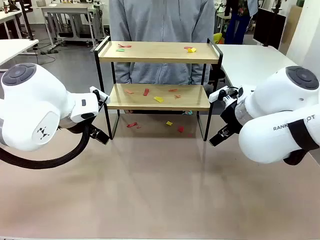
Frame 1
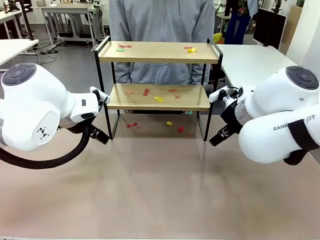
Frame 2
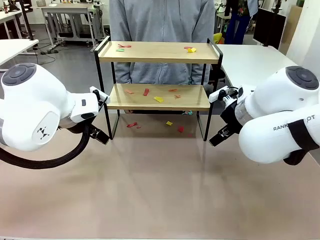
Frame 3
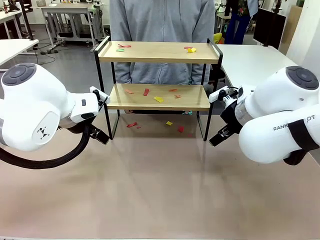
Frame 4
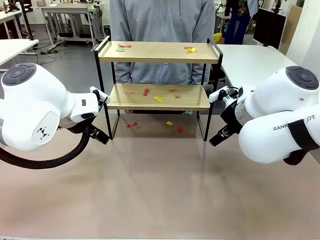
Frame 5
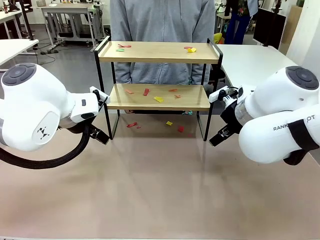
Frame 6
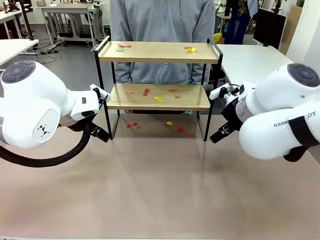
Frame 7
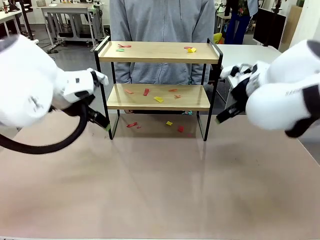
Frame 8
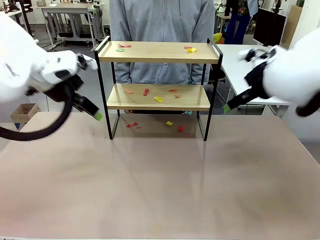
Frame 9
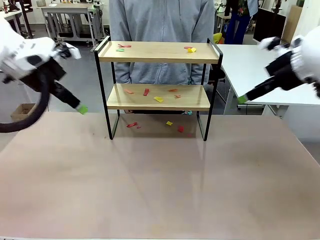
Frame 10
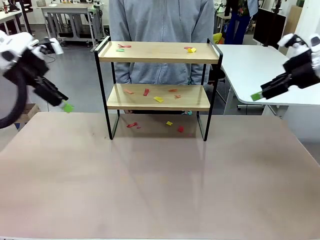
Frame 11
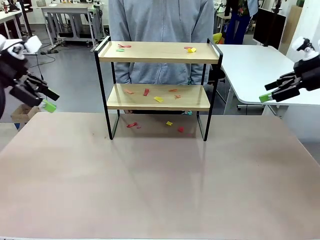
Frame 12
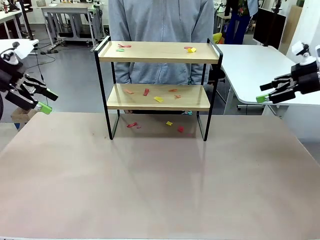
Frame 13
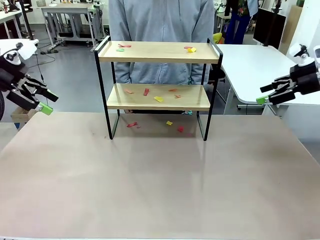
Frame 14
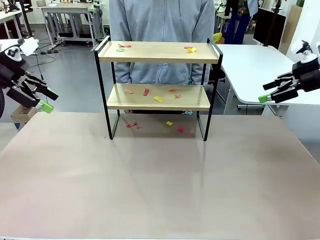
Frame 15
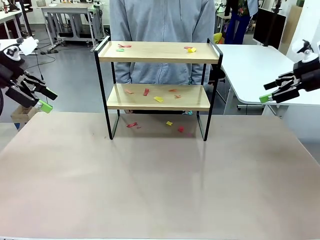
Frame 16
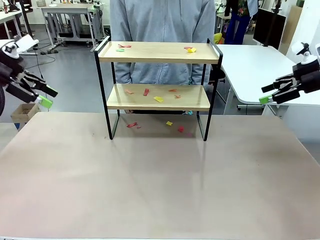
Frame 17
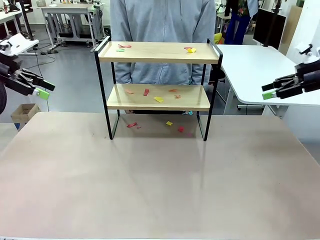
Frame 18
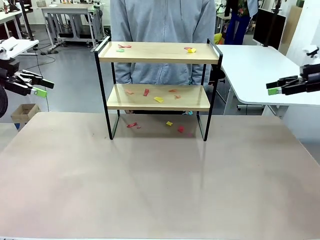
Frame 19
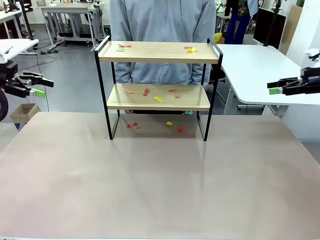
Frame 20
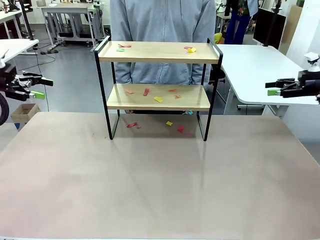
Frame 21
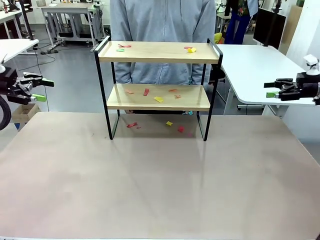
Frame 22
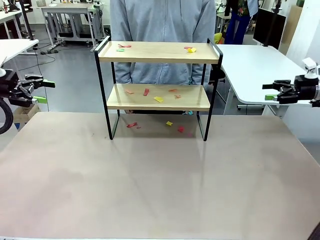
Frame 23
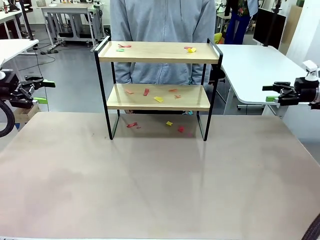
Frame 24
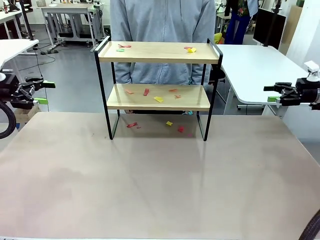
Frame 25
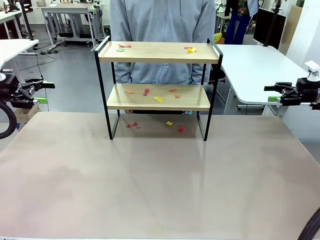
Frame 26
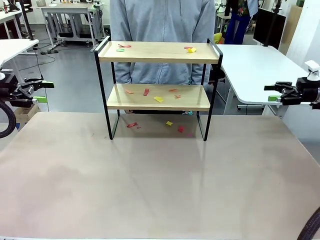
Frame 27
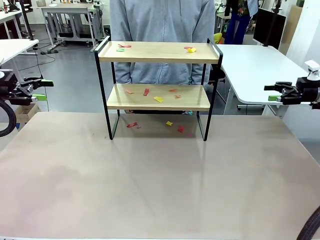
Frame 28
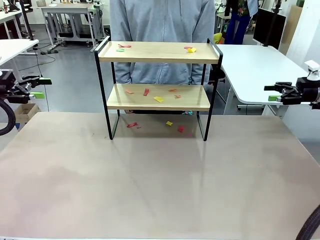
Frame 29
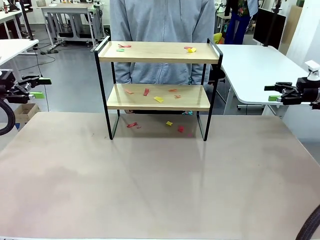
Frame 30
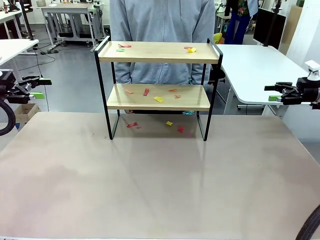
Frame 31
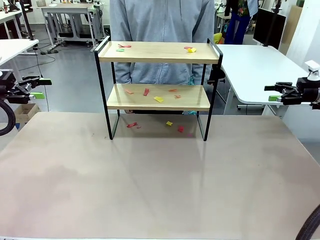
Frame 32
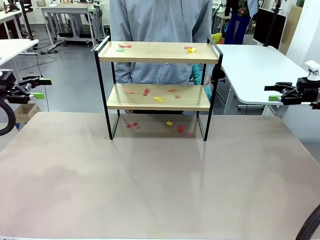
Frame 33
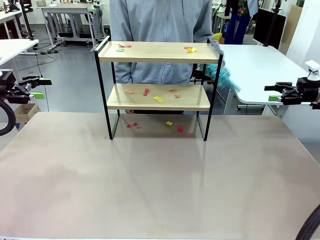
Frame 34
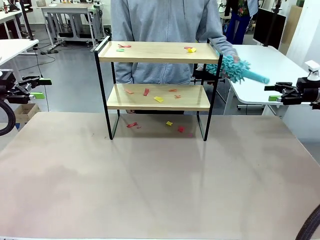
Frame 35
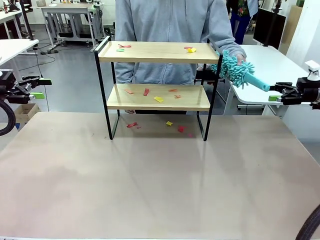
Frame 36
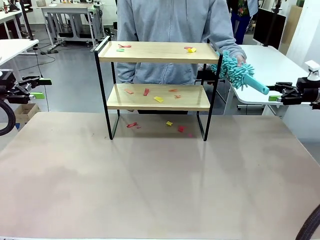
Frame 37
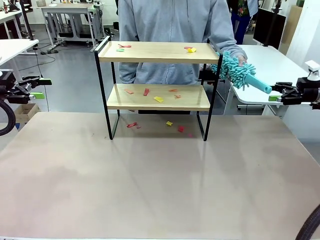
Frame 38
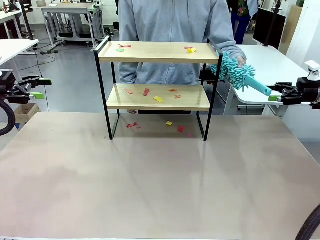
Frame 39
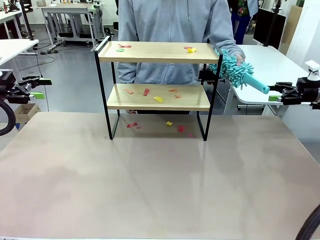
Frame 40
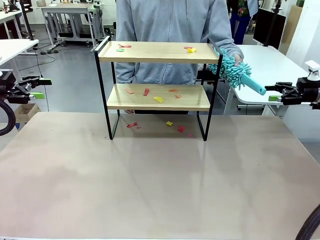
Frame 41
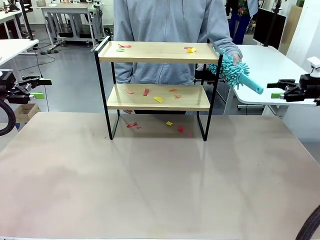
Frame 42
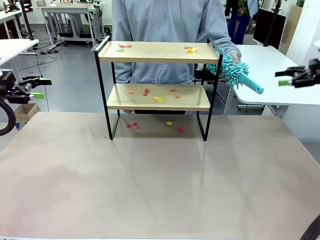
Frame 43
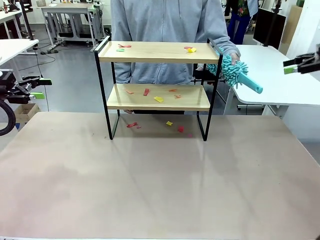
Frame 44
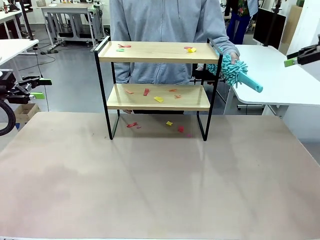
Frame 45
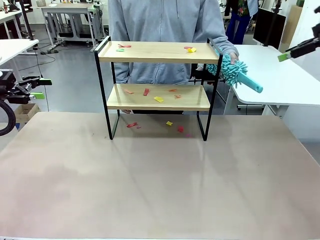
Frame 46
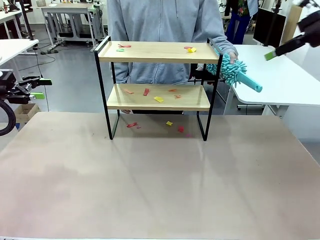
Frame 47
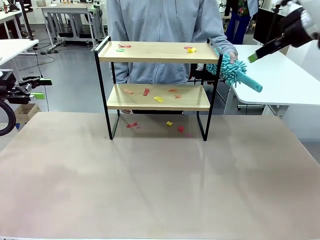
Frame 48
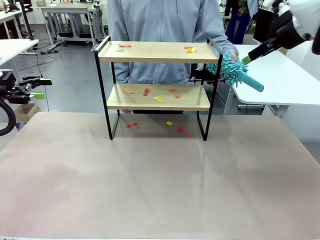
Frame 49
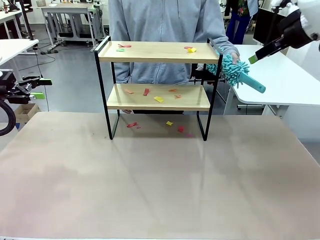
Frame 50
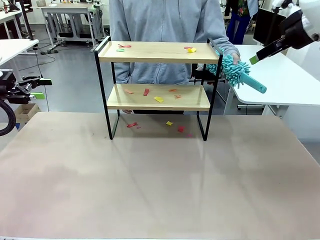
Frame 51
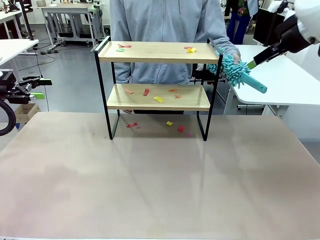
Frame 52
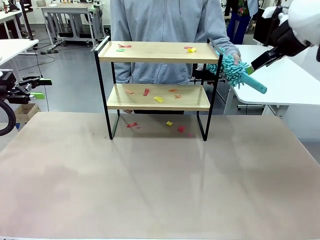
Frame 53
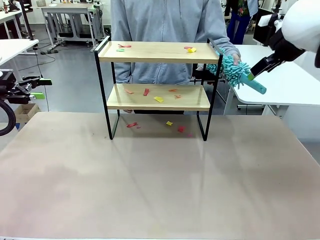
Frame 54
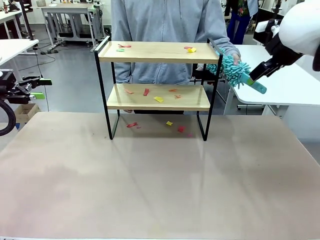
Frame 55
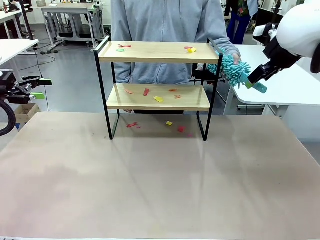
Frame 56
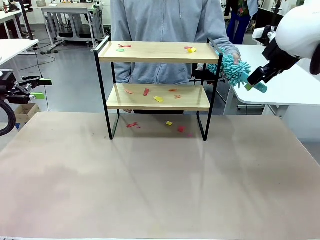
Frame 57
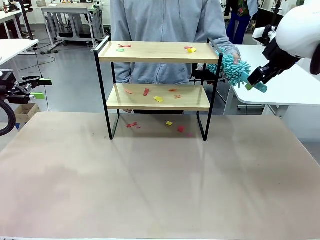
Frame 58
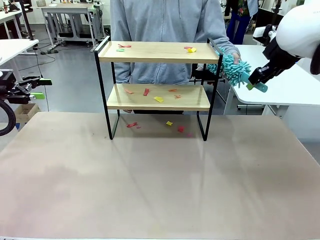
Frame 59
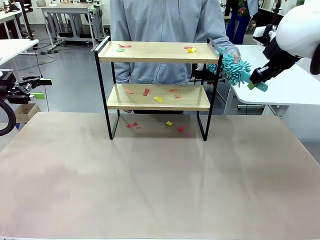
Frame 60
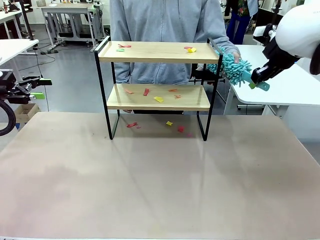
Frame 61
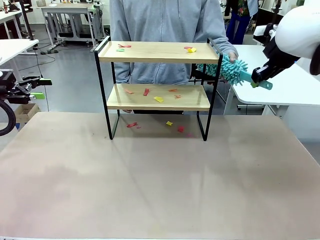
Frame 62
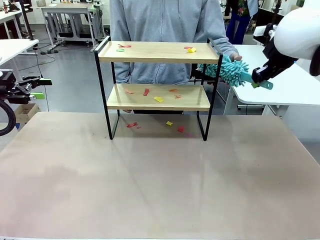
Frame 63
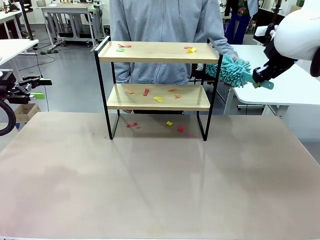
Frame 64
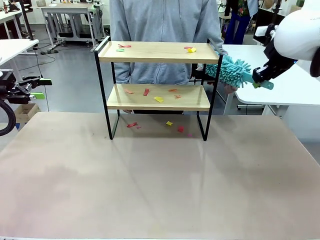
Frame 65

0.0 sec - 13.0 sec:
Task: Clean the shelf.
Robot: Pick up the Duster handed by the human.
Person: Hand the Duster to the robot.
